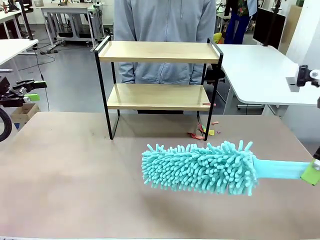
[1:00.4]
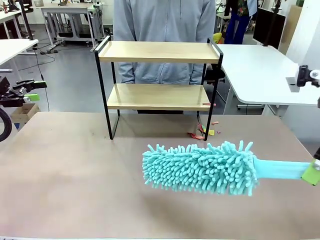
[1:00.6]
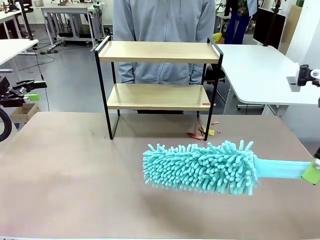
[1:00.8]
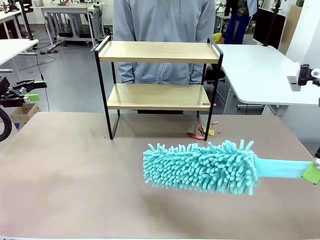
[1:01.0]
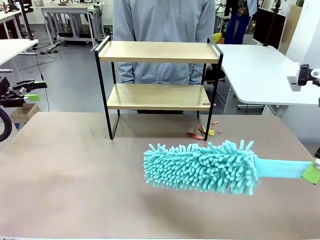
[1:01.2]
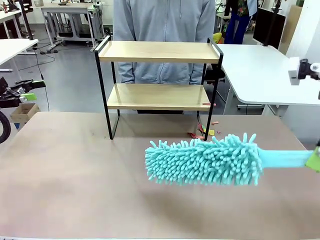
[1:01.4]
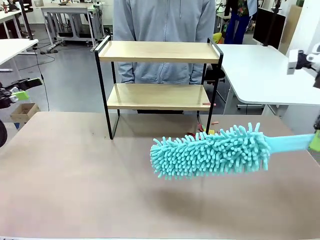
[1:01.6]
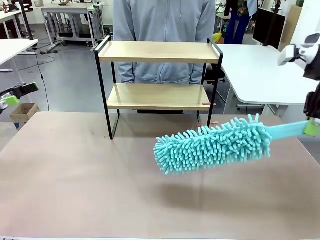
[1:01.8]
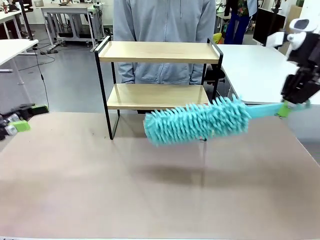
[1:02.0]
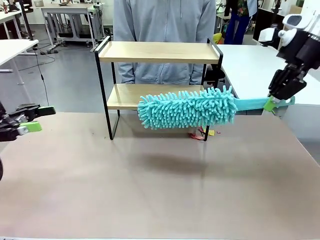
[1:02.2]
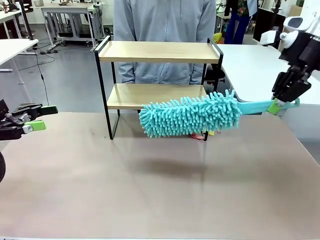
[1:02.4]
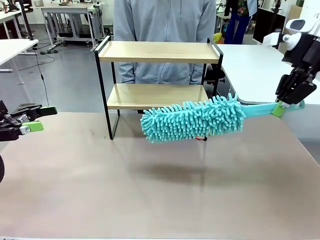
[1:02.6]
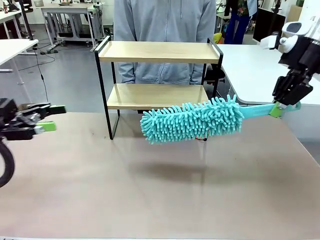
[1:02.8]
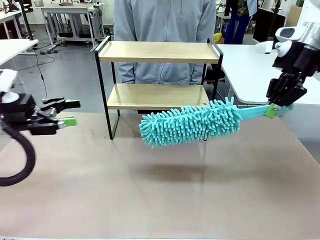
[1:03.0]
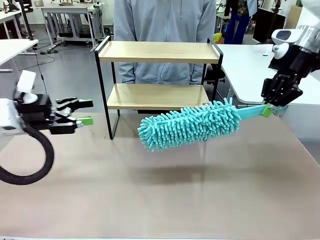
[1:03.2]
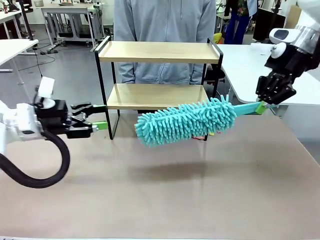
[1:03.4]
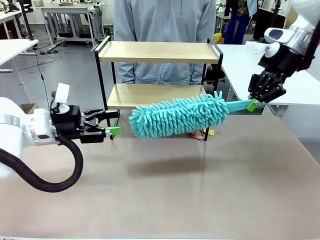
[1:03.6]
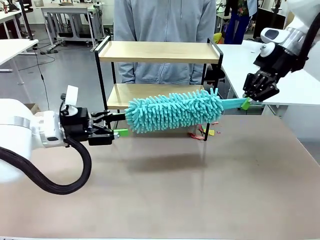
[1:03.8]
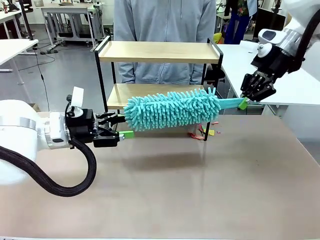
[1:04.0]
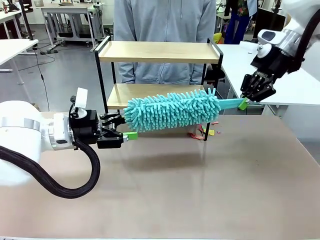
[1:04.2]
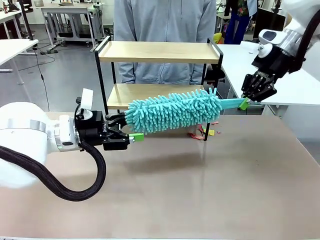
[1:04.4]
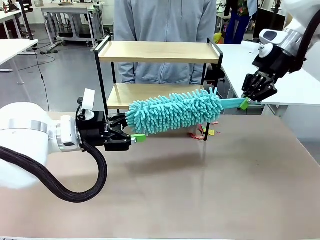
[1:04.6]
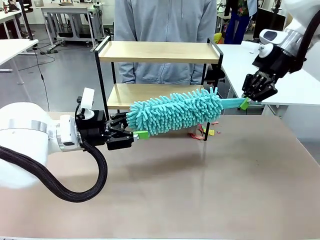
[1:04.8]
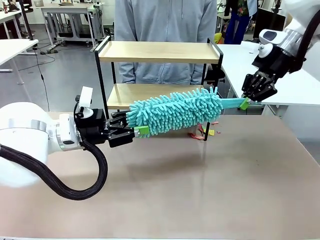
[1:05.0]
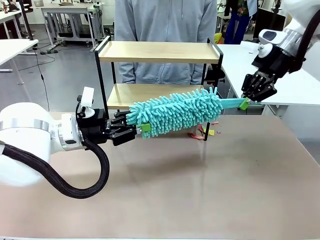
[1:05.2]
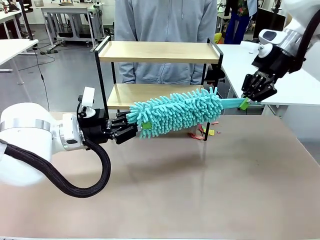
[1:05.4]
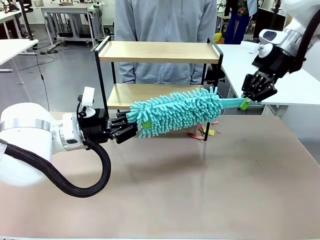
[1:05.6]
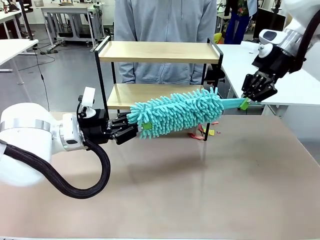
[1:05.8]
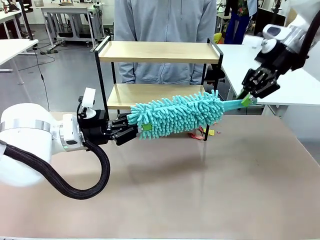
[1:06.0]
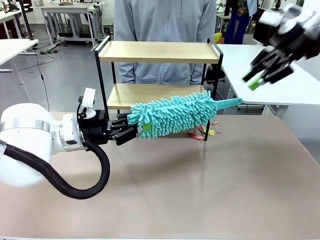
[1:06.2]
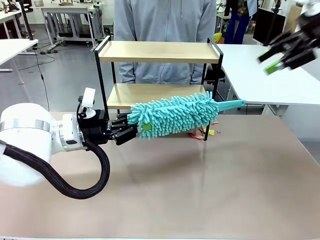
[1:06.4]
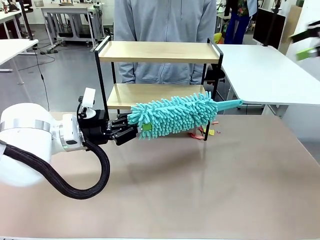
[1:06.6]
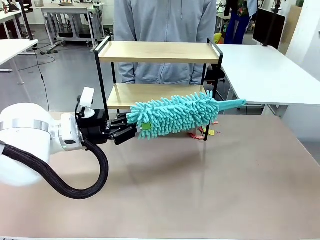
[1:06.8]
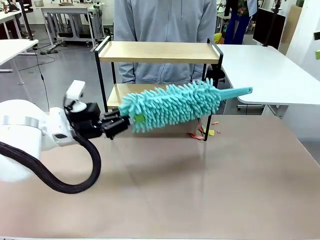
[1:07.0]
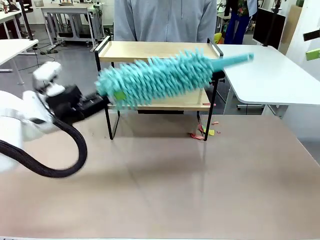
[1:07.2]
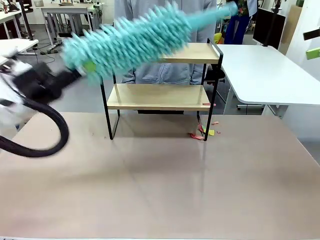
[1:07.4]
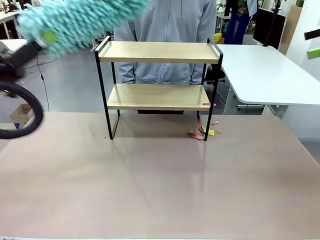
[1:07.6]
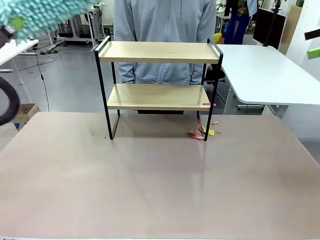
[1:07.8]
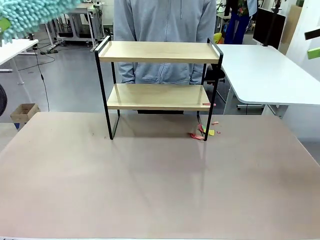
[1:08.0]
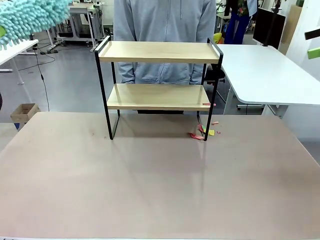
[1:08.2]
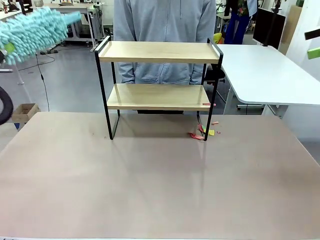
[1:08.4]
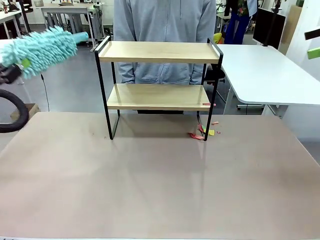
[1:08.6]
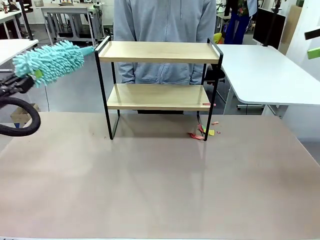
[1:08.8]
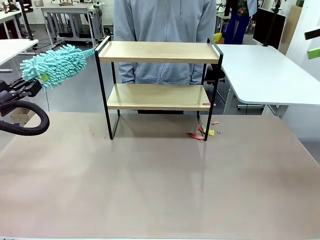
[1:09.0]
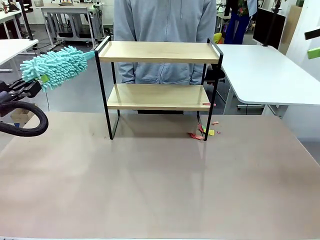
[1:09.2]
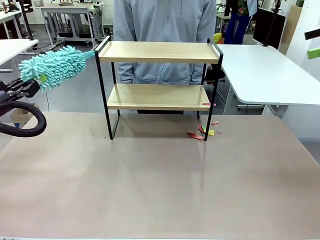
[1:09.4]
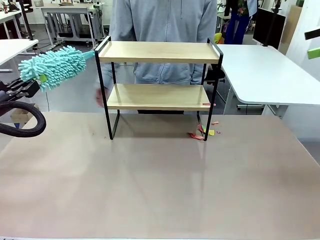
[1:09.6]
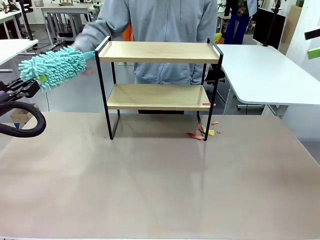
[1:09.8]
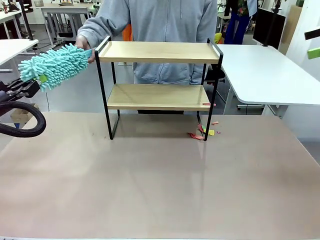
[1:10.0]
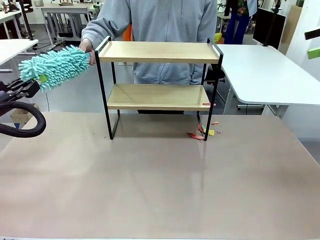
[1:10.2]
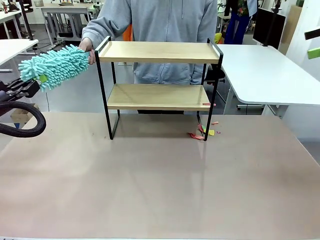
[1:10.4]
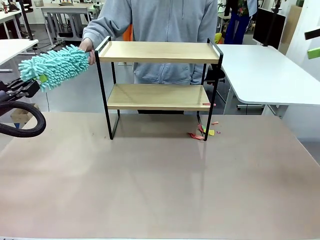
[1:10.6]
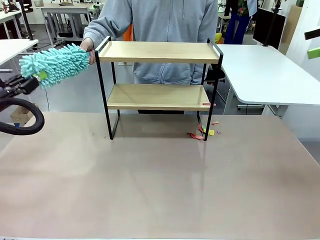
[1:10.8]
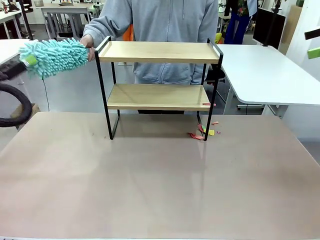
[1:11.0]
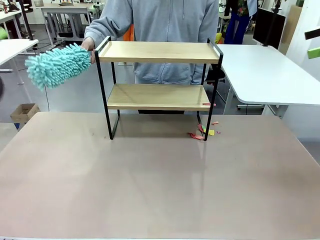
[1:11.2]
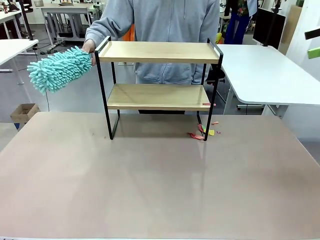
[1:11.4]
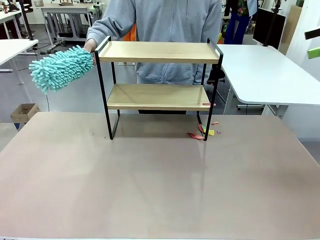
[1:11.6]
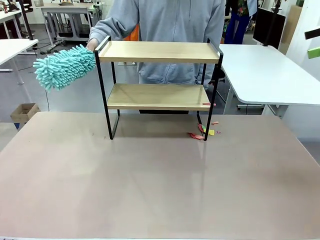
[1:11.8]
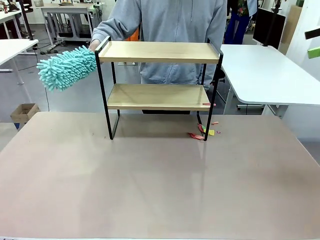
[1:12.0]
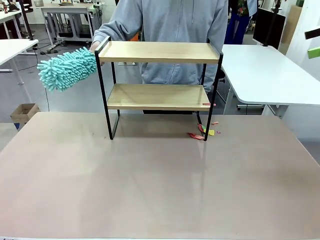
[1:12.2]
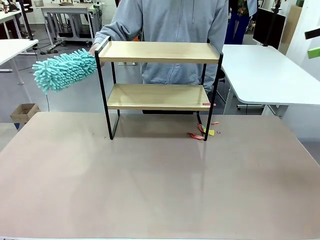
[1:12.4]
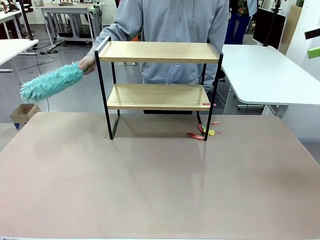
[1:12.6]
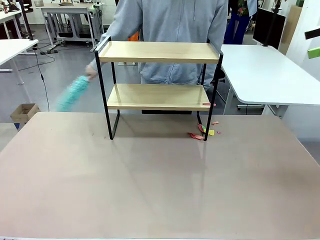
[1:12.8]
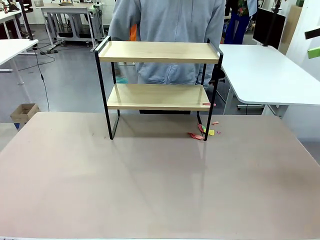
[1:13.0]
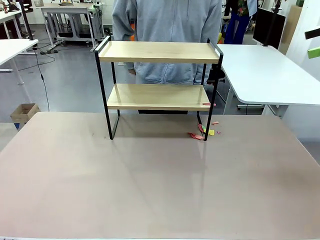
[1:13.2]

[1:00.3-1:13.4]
Task: Clean the shelf.
Robot: Hand the Duster back to the human.
